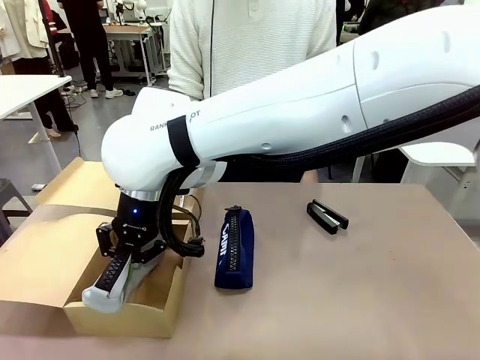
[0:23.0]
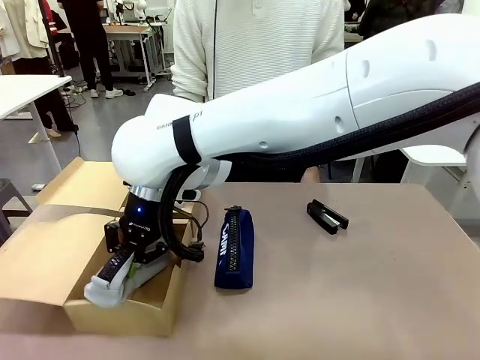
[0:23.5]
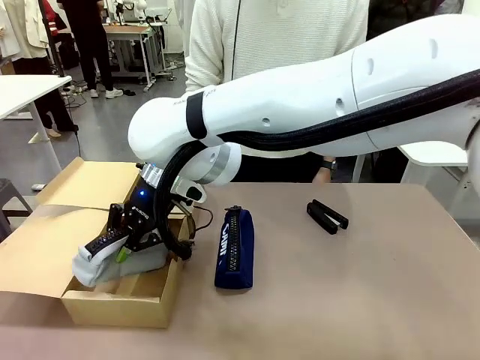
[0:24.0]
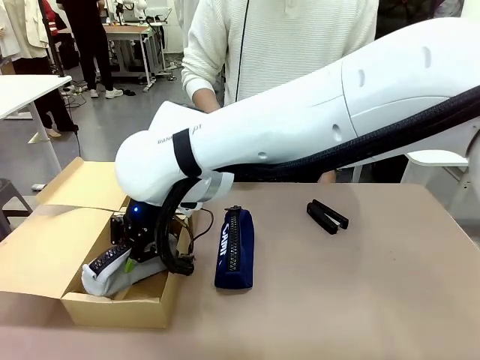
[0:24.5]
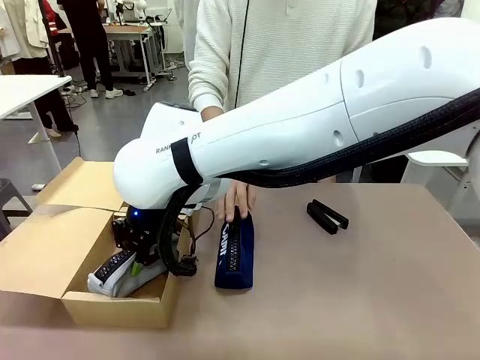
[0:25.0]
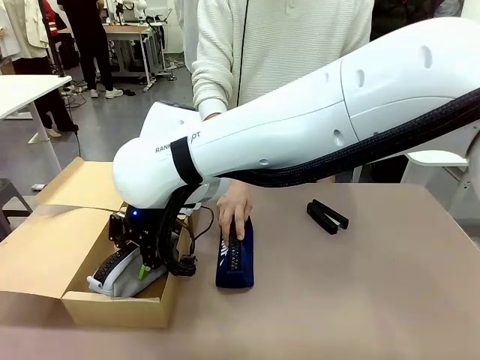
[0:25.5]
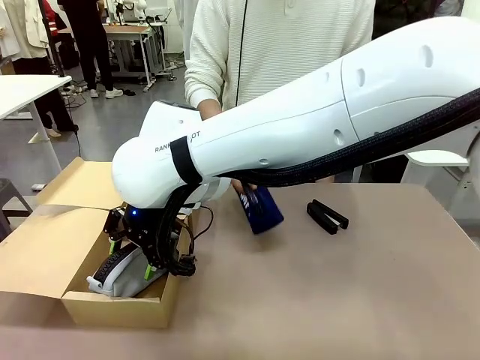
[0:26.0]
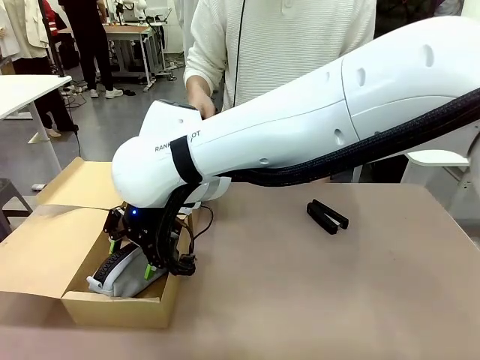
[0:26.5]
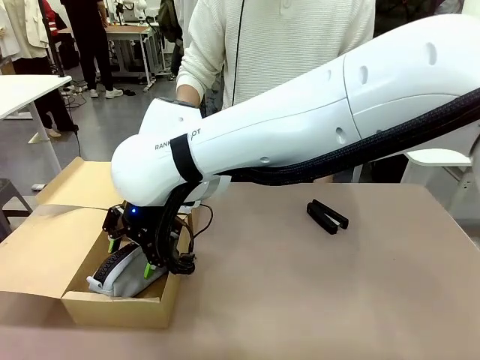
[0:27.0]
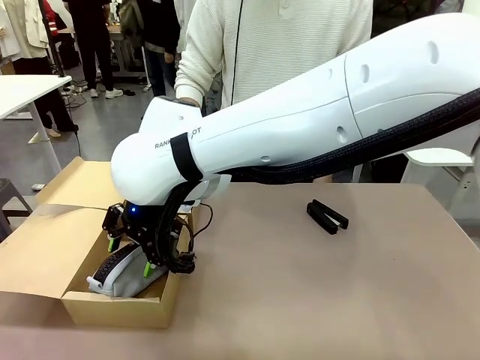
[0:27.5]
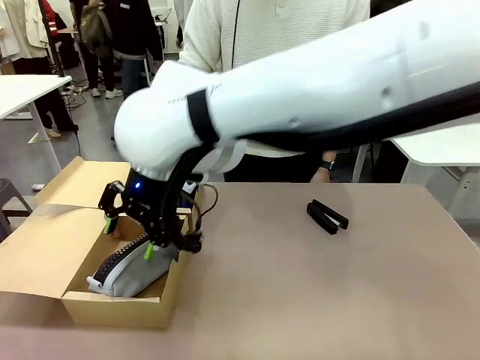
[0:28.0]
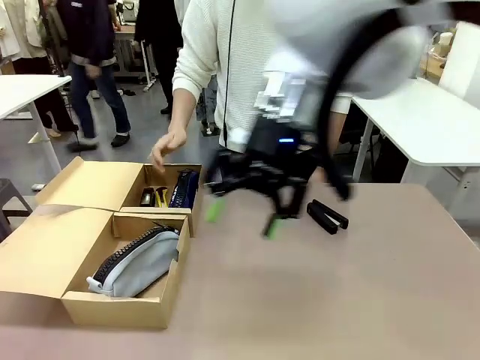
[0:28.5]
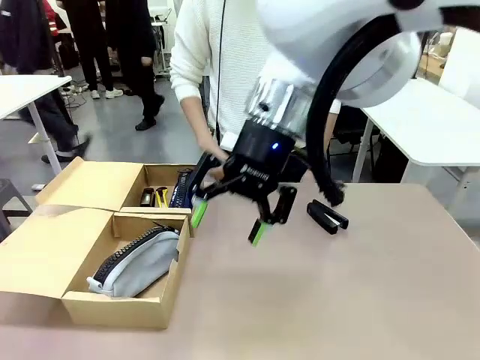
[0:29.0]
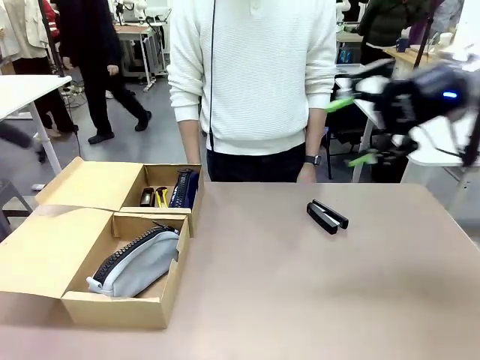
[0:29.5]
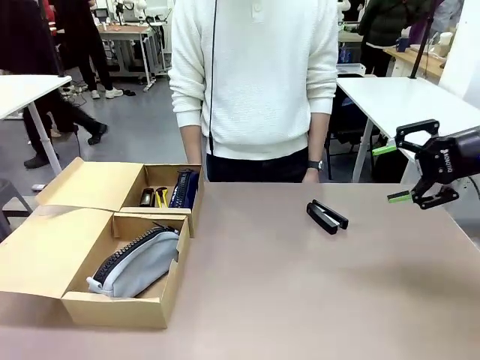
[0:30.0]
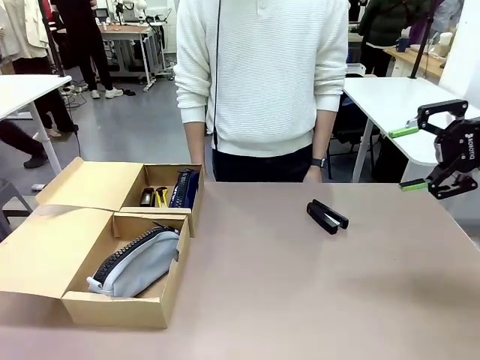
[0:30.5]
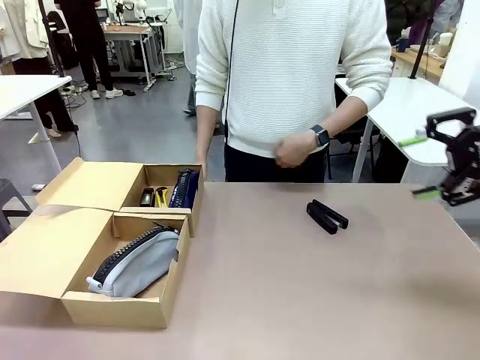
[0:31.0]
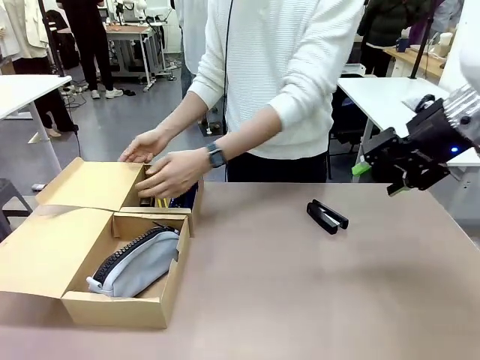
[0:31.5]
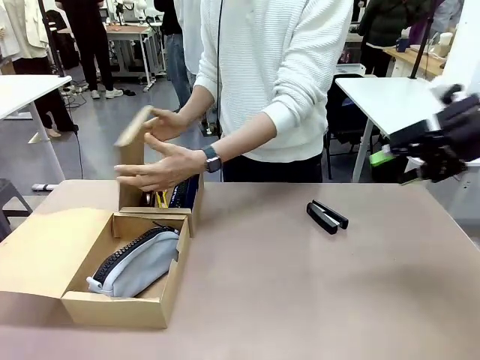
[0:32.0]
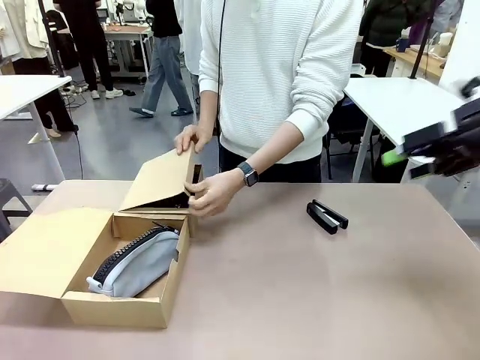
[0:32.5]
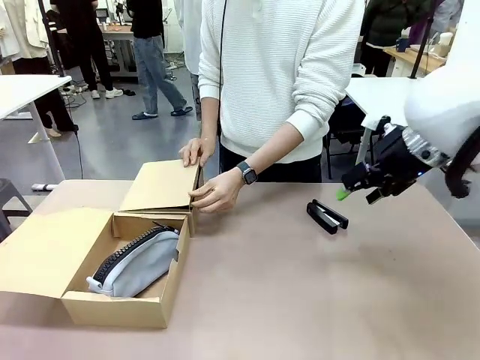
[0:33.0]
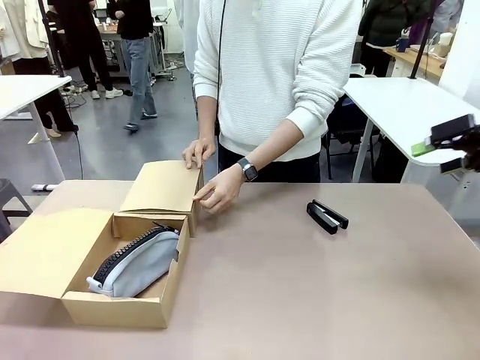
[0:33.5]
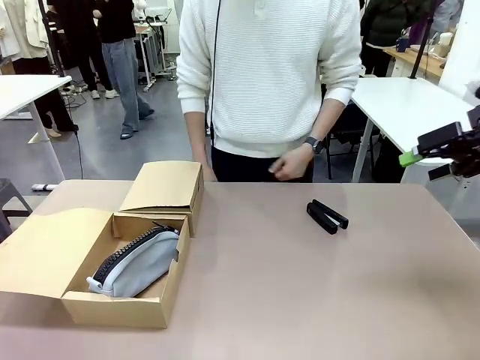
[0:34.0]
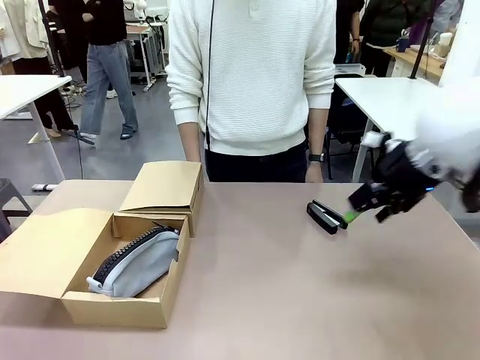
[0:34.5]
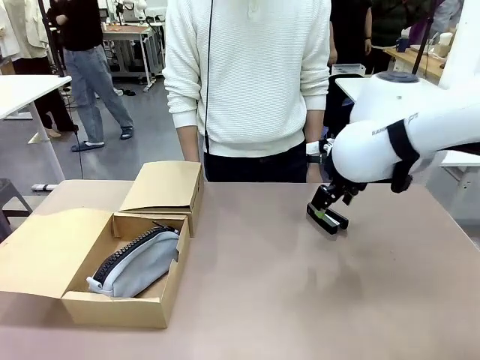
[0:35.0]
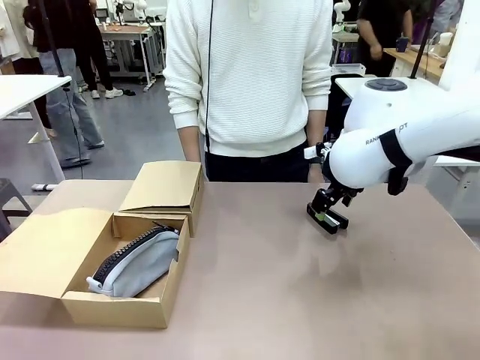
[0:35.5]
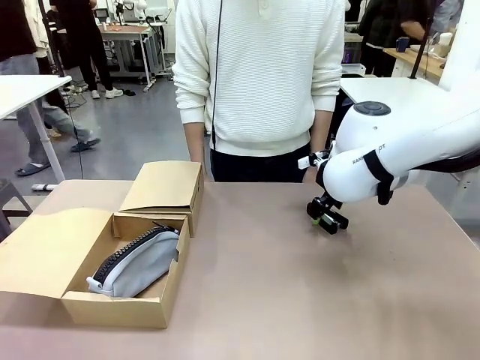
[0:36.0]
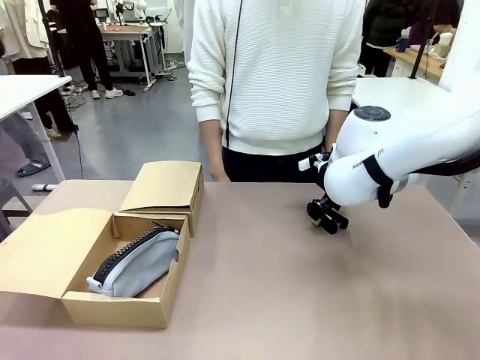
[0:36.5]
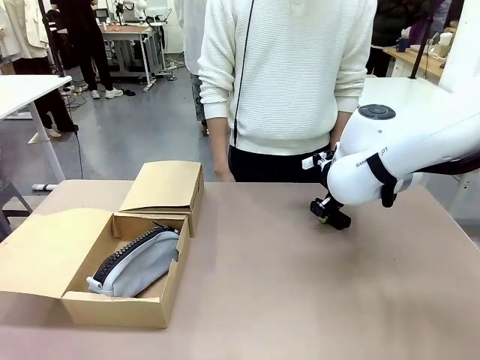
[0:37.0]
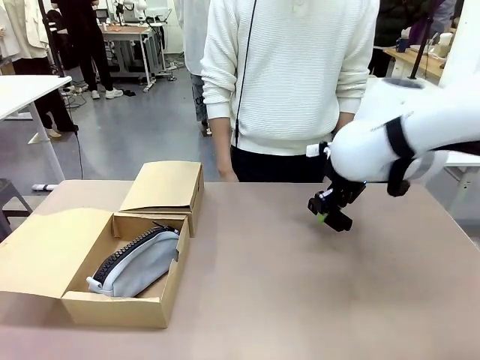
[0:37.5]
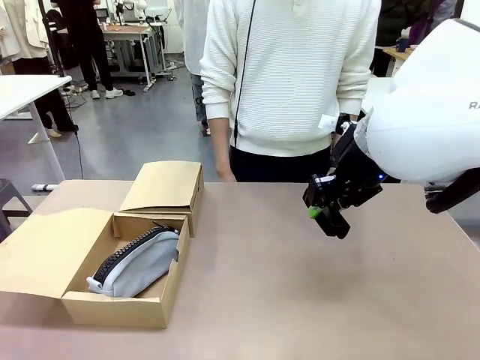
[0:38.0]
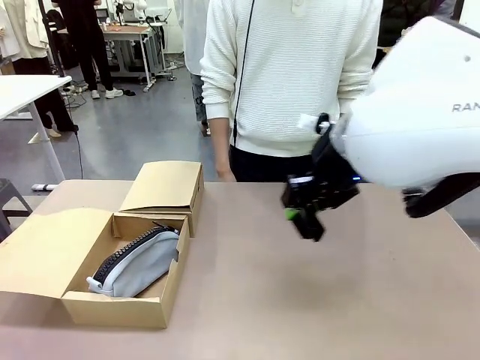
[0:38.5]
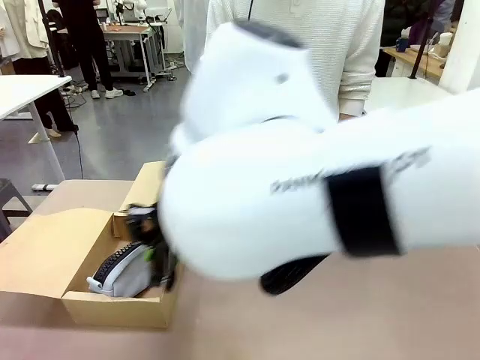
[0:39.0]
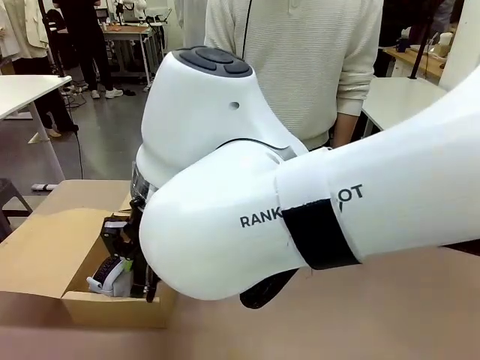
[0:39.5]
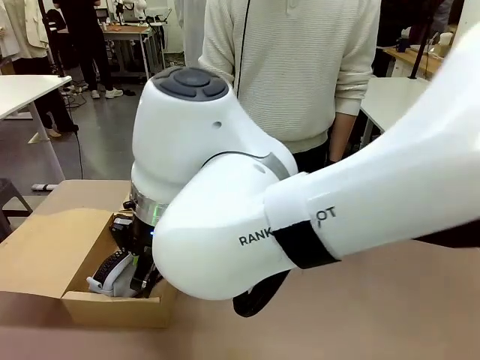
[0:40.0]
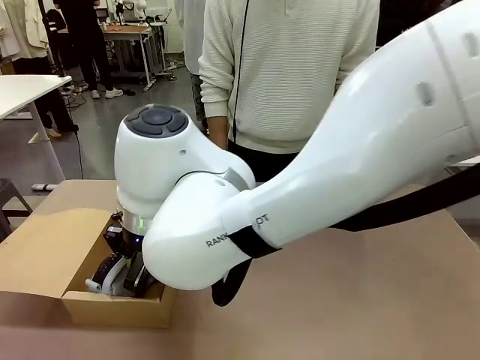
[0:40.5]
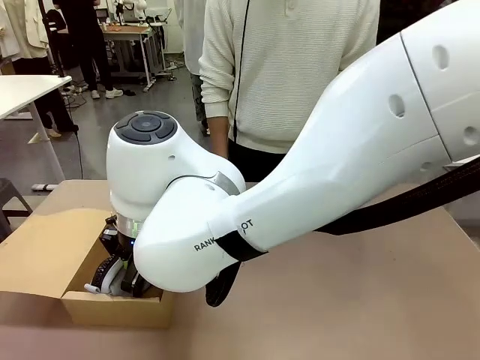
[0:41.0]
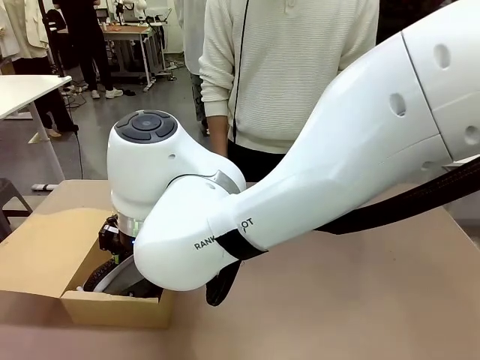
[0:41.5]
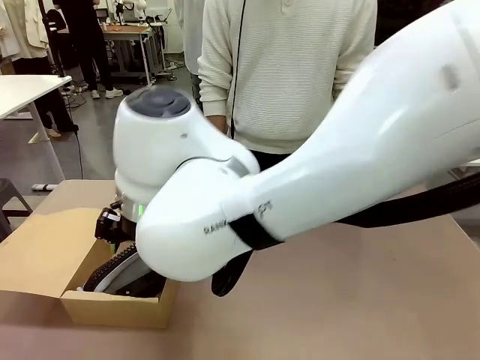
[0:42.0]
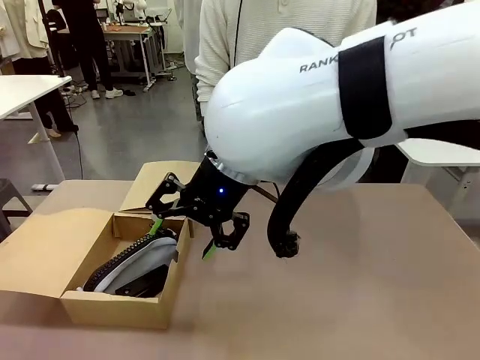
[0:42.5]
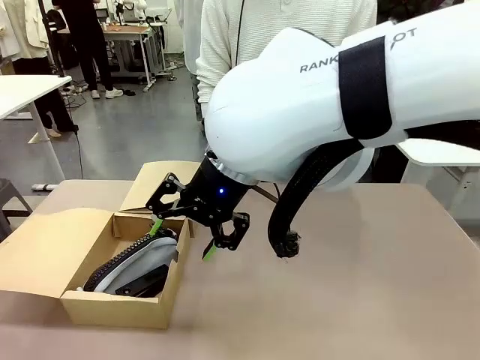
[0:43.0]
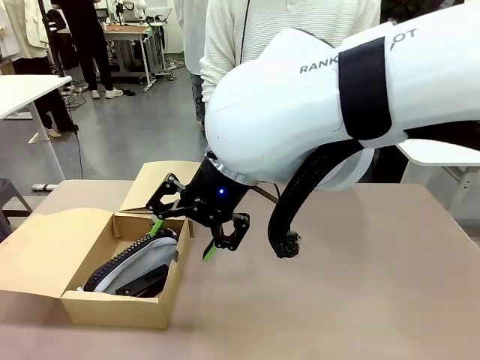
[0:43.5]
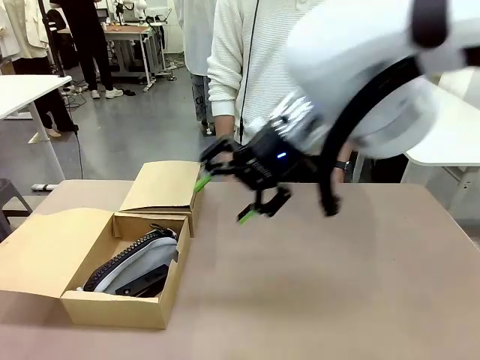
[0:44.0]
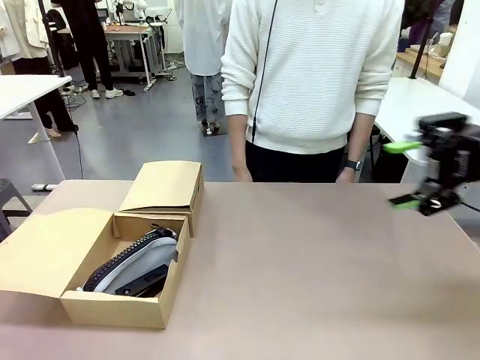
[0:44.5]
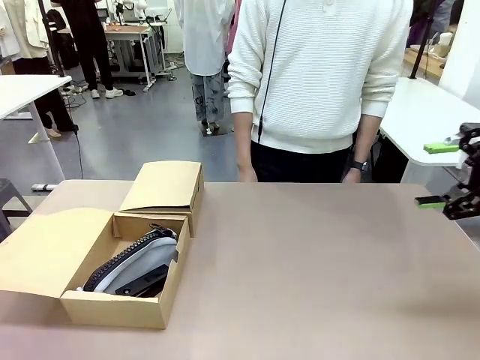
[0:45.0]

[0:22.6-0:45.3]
Task: Place items inside the box.
Robot: Pick up a Pencil pouch or Stapler and place it inside the Mailer Box closest to the robot.
Person: Close the lid of the box facing the person.
